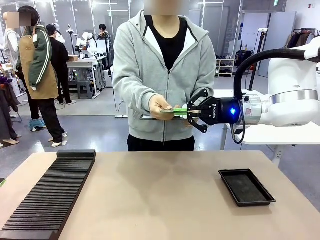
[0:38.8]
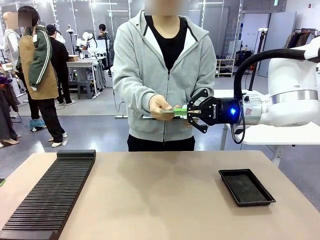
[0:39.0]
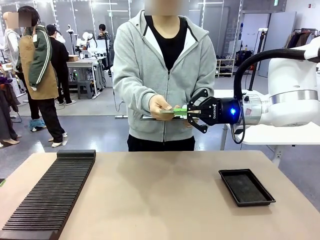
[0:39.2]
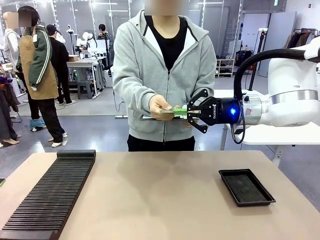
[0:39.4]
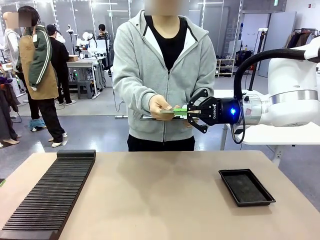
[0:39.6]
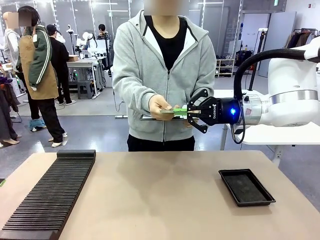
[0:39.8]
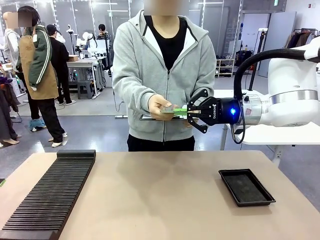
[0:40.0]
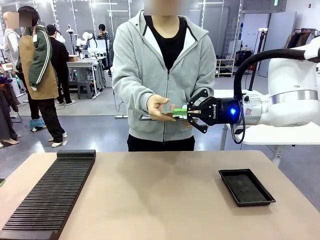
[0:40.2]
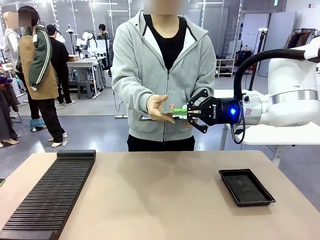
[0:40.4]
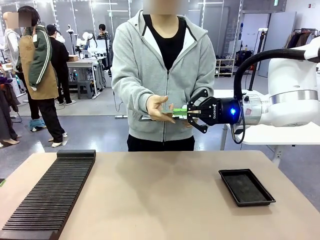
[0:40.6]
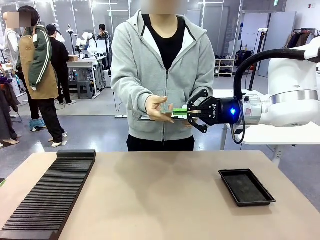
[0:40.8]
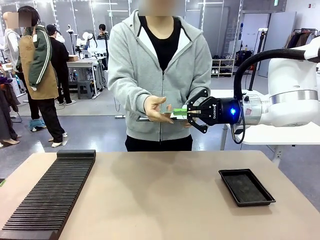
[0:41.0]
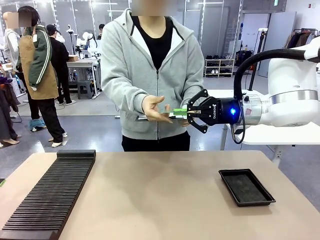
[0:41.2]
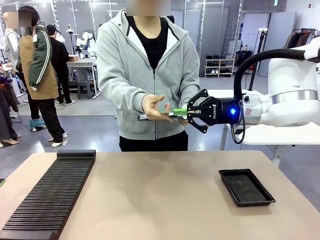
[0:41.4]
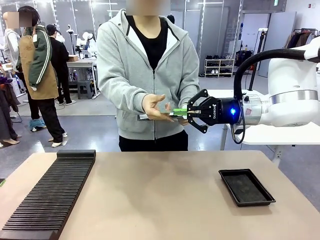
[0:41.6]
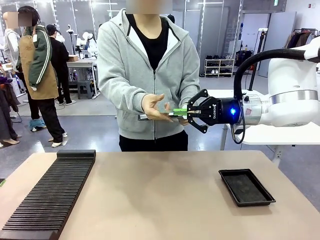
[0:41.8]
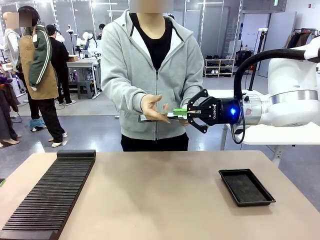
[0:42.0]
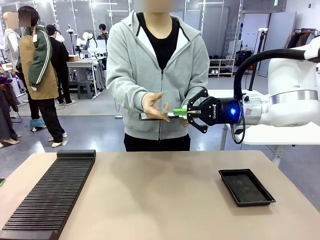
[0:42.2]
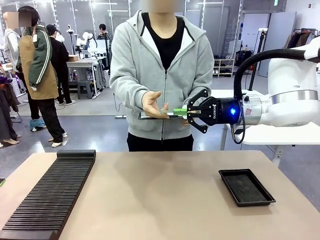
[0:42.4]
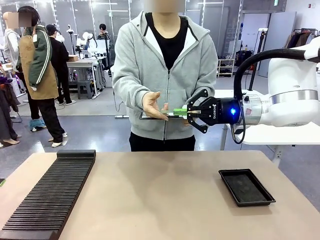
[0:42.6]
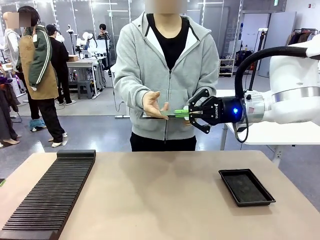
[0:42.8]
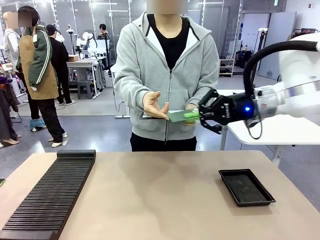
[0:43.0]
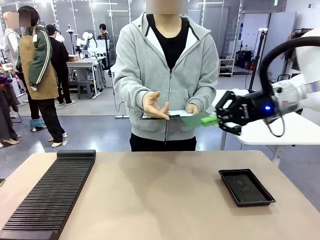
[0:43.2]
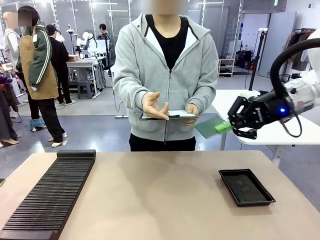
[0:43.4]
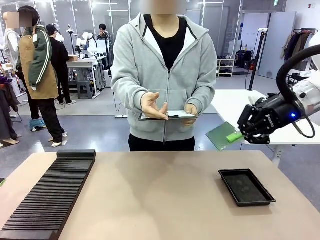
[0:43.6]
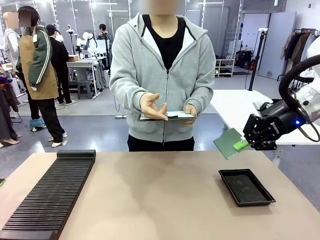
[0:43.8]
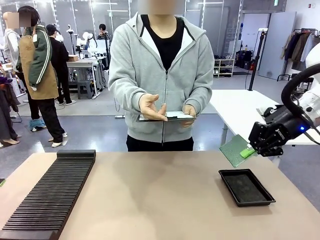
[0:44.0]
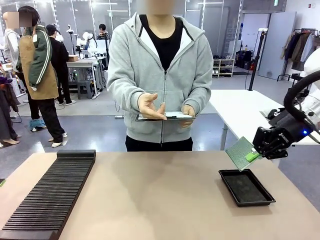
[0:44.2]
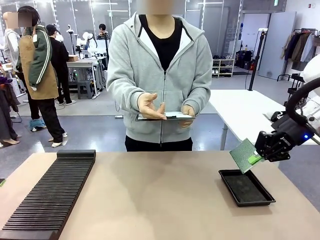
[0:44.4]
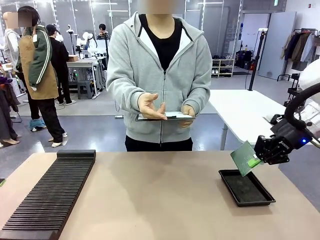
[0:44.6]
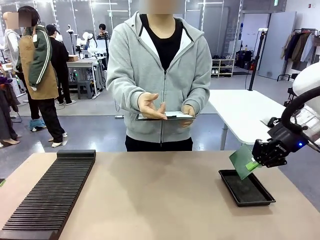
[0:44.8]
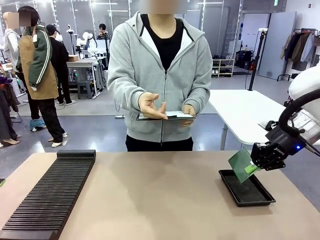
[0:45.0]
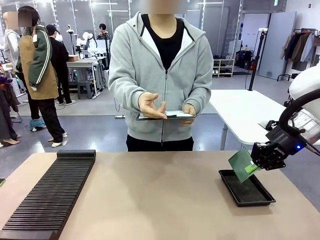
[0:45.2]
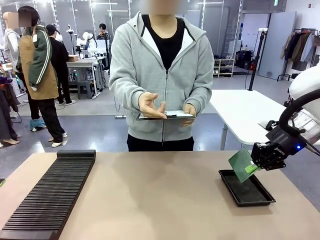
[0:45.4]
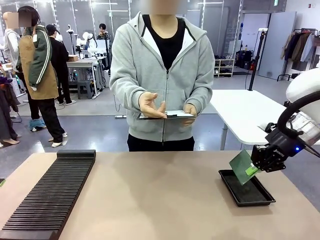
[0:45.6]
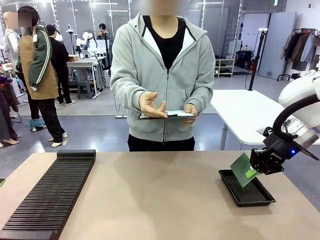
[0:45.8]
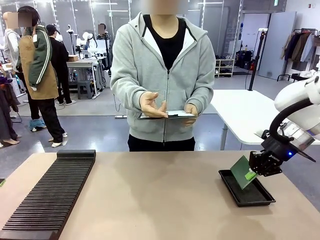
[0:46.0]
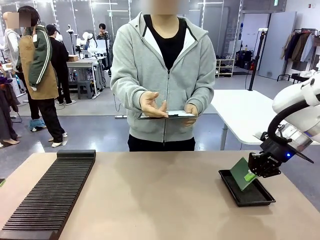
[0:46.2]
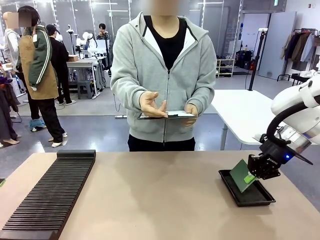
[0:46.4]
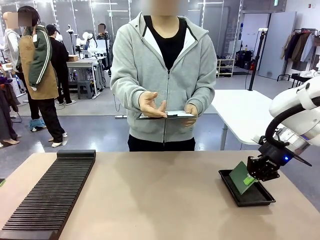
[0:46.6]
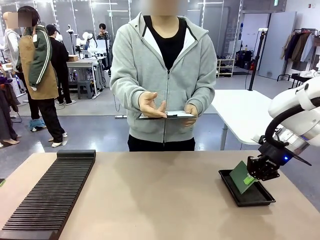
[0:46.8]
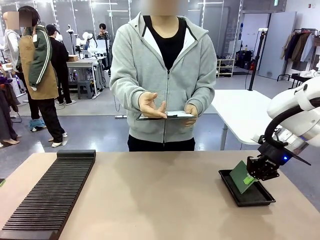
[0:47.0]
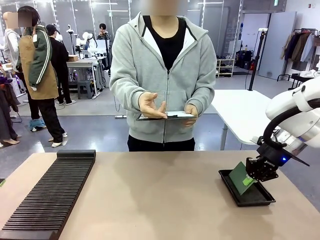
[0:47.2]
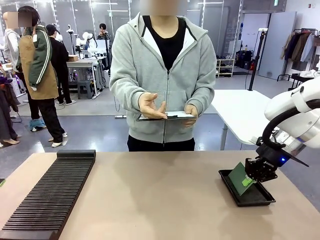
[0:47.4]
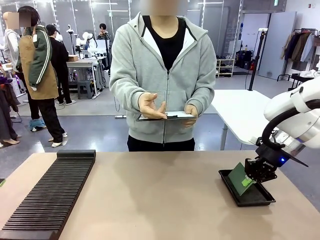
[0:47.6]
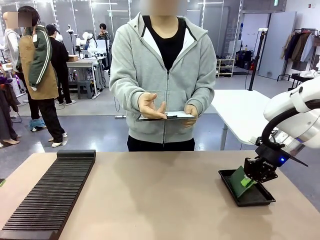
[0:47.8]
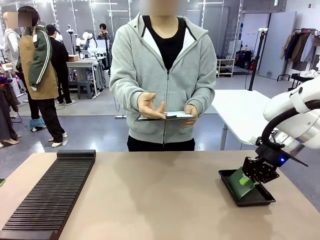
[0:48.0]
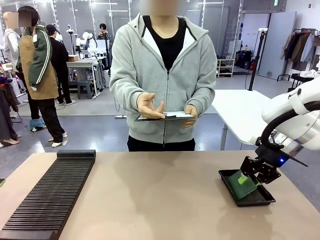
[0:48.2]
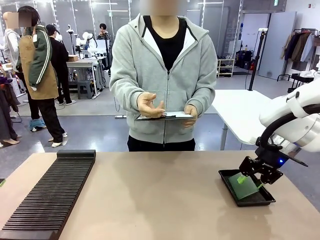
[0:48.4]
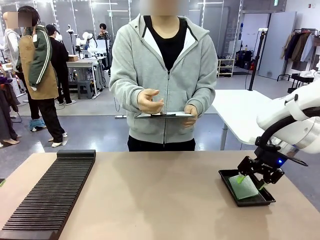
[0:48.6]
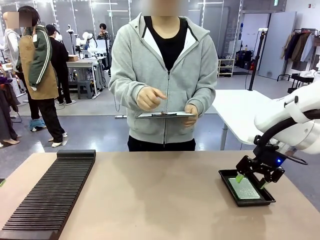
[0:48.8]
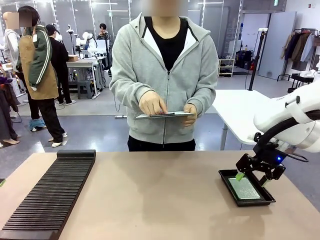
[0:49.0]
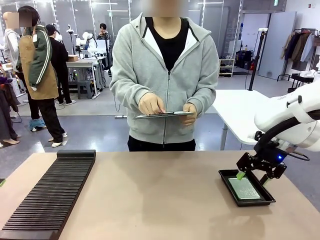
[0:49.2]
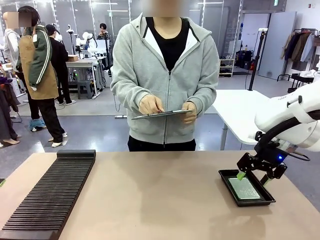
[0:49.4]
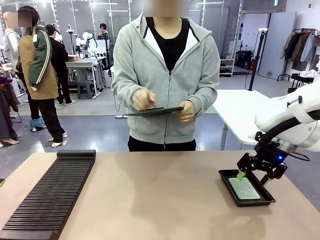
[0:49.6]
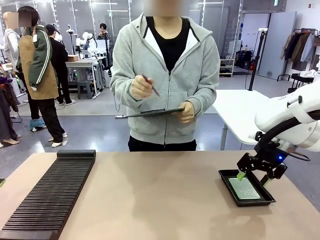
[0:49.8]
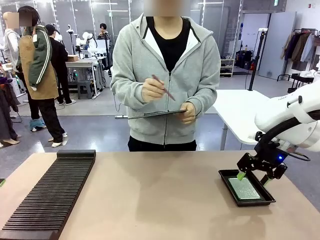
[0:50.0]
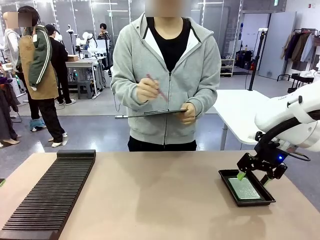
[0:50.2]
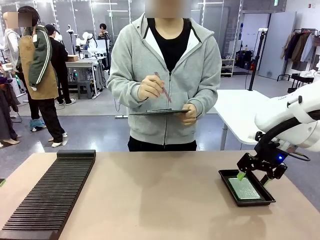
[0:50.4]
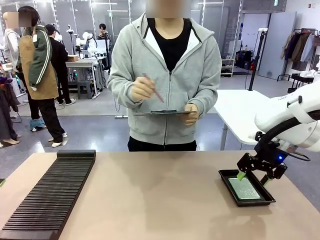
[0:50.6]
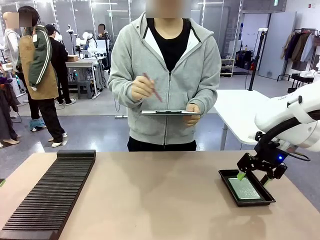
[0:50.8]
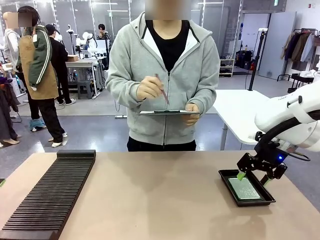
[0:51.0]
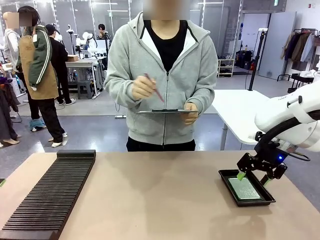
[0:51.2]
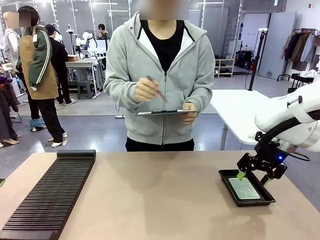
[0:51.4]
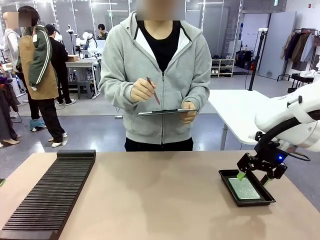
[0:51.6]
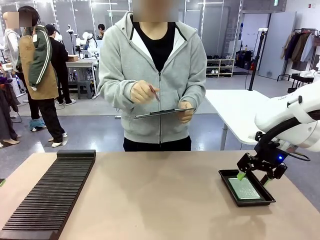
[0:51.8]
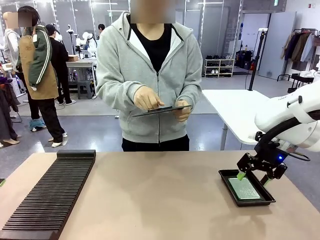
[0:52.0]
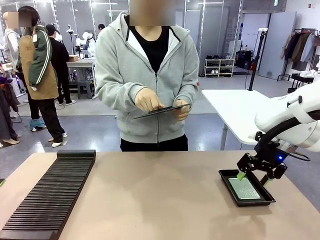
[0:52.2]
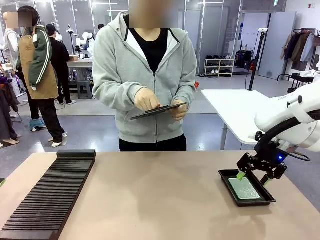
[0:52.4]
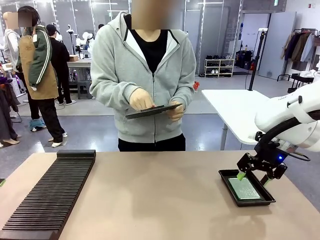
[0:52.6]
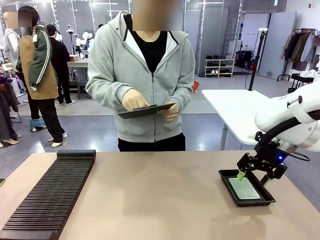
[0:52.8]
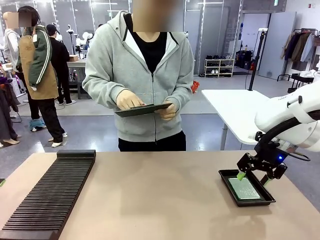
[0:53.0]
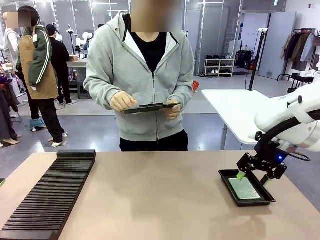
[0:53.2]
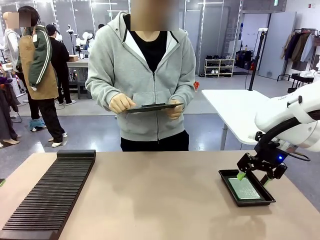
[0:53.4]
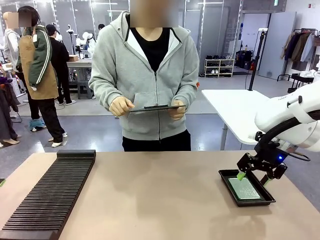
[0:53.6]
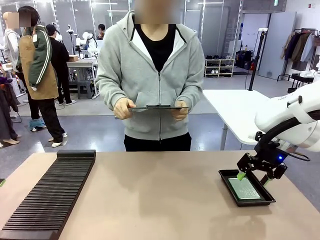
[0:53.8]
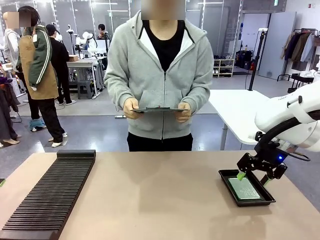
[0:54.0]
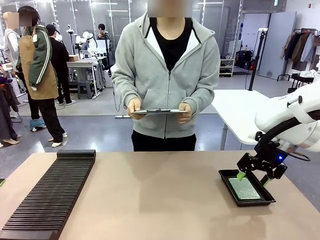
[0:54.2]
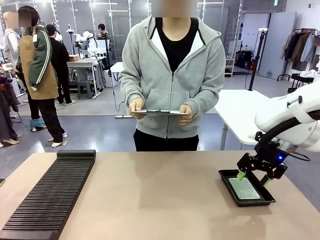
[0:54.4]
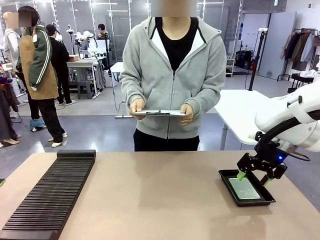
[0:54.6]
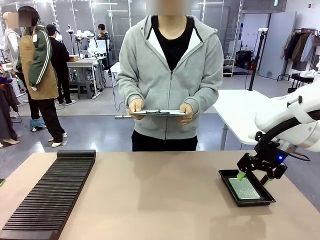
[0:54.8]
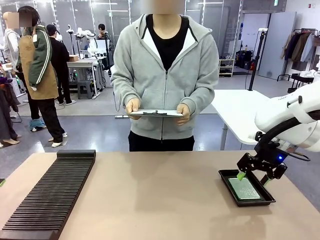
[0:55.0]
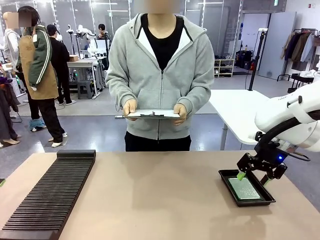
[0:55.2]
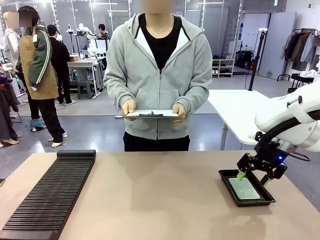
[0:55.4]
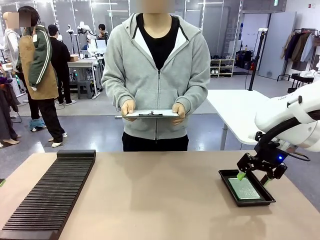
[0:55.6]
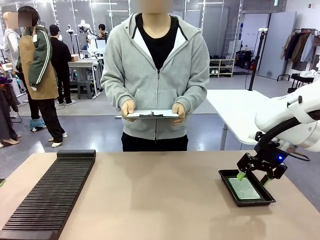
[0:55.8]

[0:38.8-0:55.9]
Task: Inspect the PCB.
Robot: Place the Blank PCB in the ESD tray.
Person: Record the PCB status on the paper.

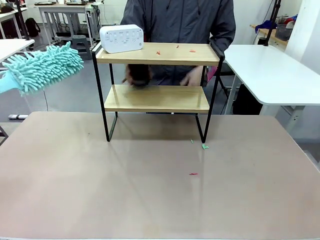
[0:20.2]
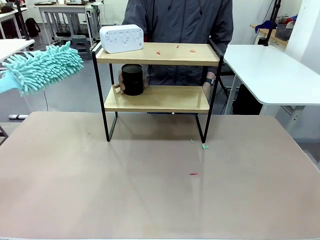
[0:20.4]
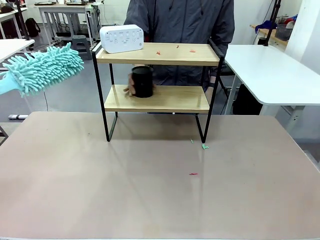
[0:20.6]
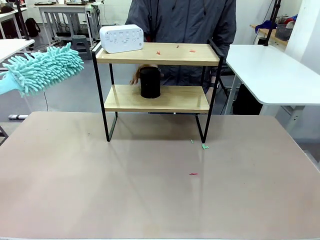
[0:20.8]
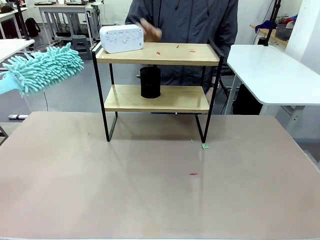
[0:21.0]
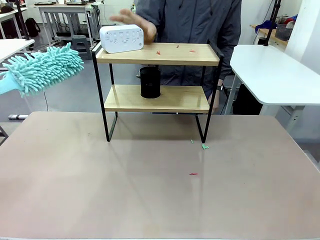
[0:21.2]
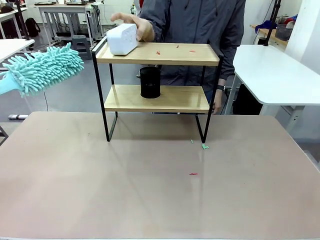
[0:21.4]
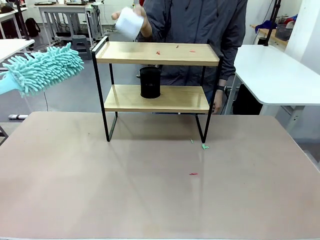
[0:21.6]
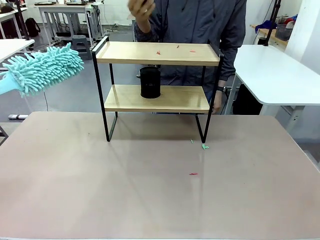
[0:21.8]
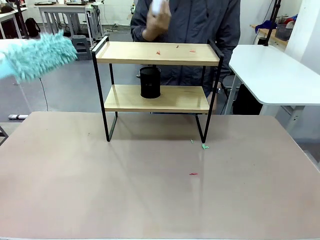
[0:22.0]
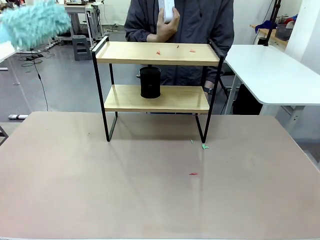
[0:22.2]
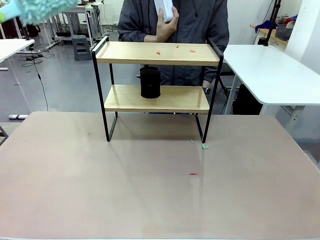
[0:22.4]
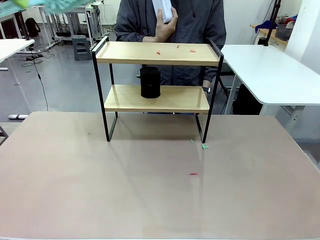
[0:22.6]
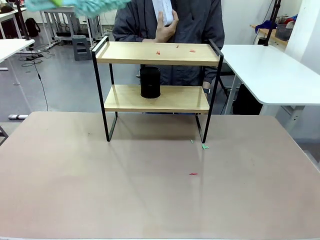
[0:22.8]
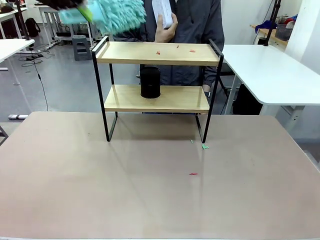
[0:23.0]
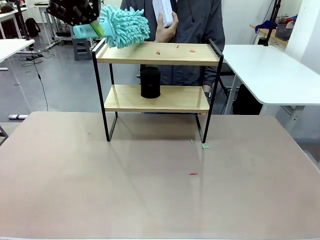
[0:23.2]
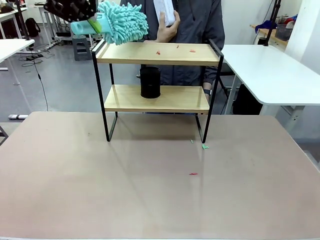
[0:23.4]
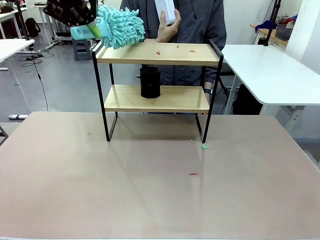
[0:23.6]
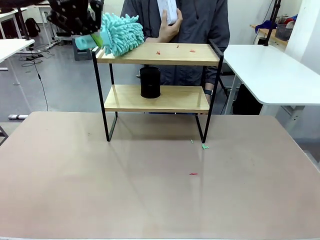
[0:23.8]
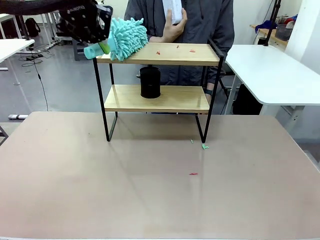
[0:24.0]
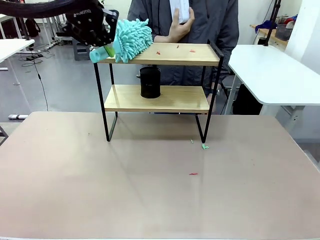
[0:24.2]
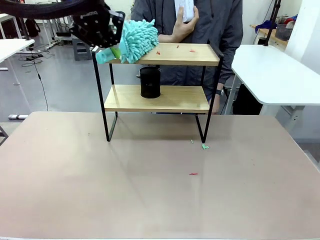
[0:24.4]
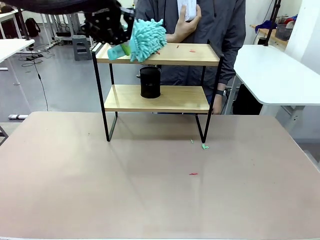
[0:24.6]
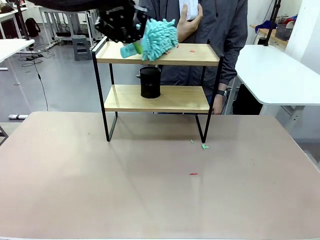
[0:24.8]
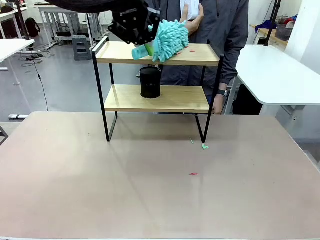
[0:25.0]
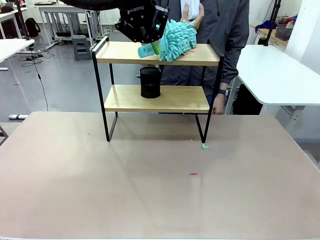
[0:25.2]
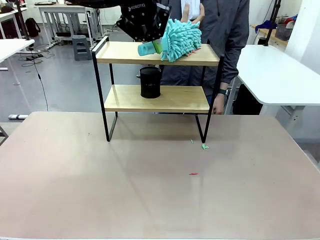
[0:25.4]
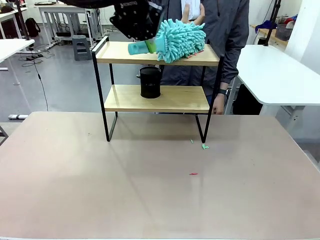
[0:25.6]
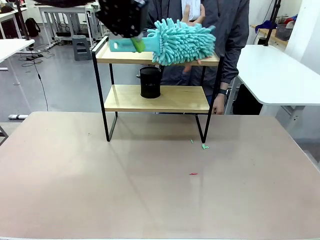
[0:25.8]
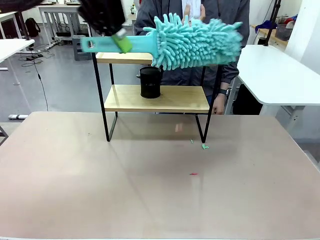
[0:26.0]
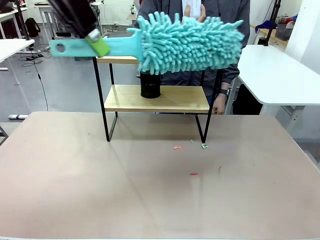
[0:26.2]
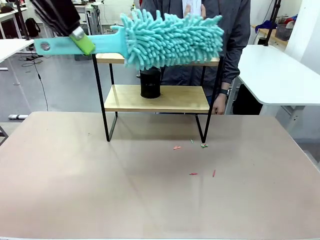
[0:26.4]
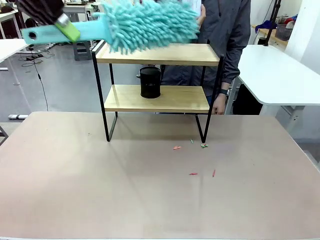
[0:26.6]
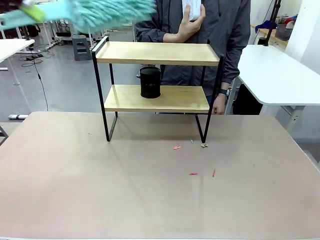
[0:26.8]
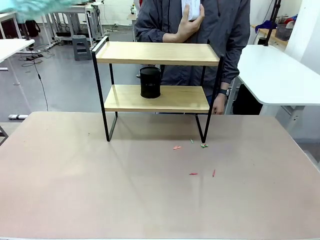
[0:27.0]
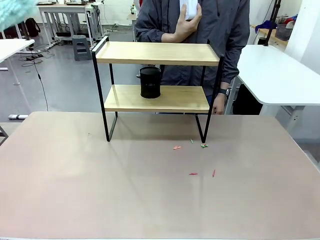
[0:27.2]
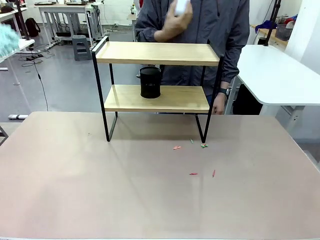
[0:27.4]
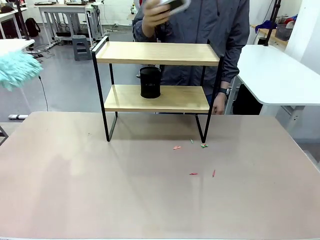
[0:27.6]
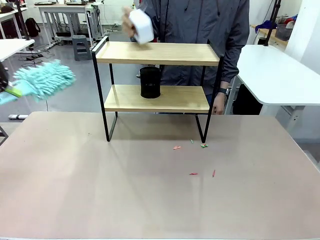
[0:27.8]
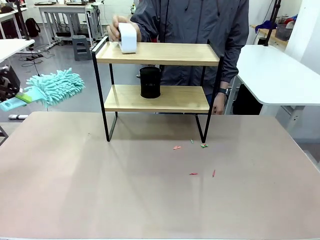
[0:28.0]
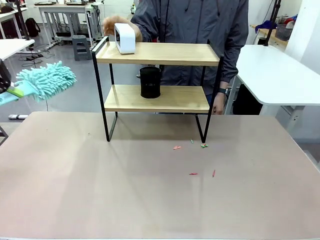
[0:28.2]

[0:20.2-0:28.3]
Task: Clean the shelf.
Robot: Clean the remaining tier of the Shelf with the Duster once objects are removed.
